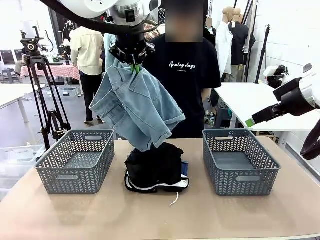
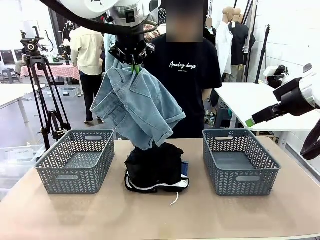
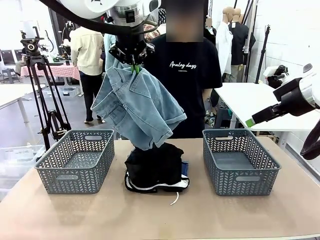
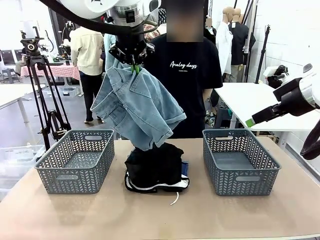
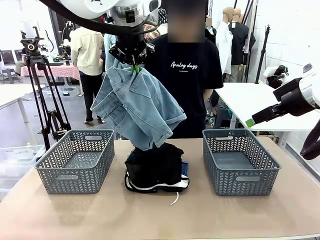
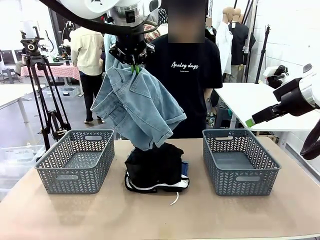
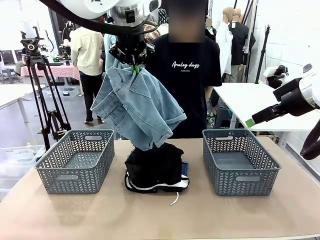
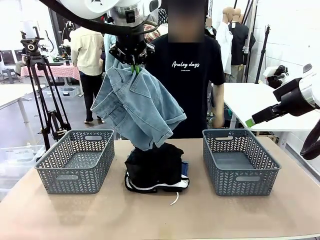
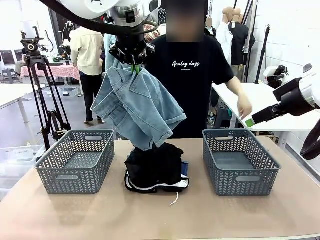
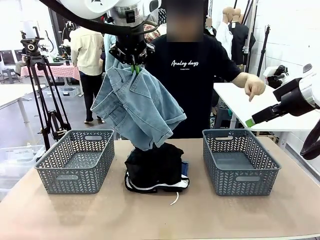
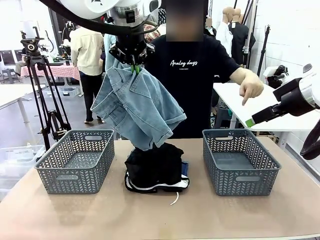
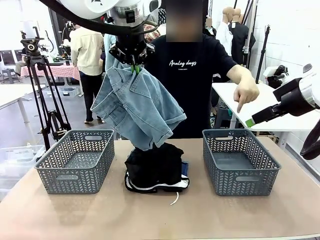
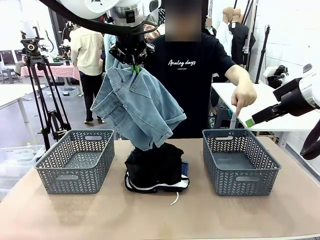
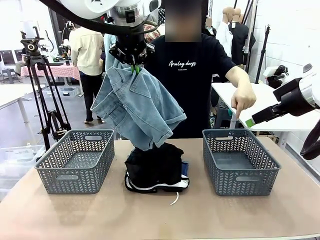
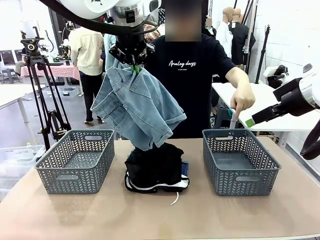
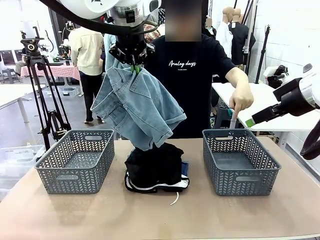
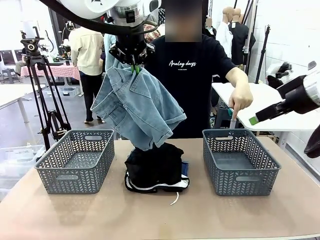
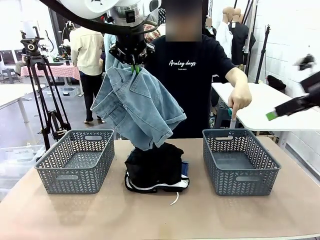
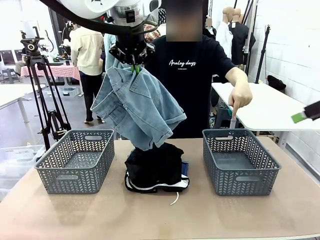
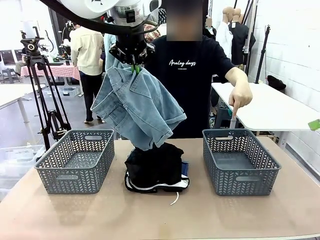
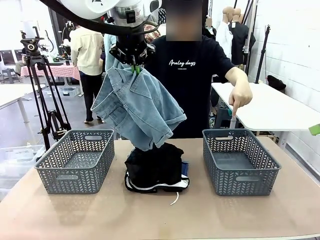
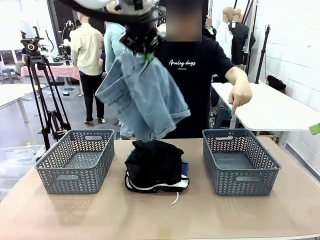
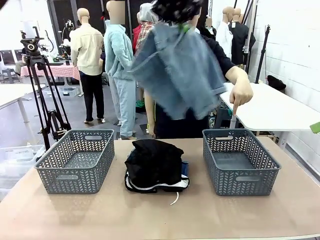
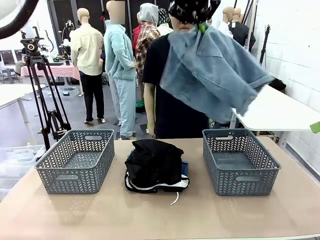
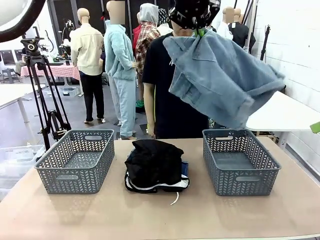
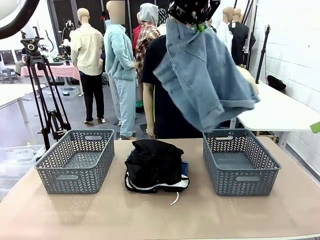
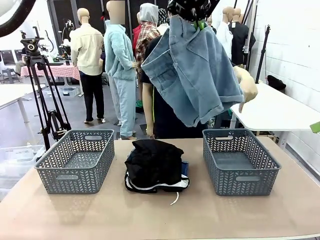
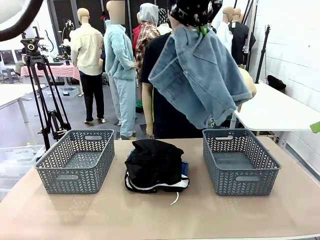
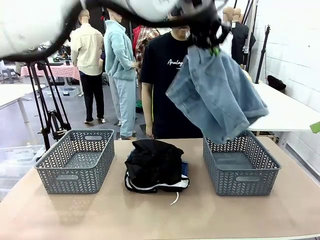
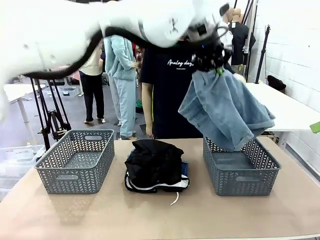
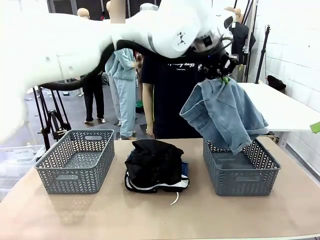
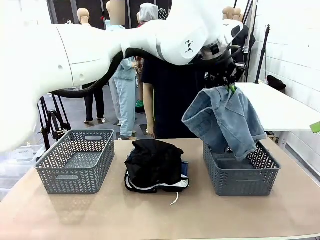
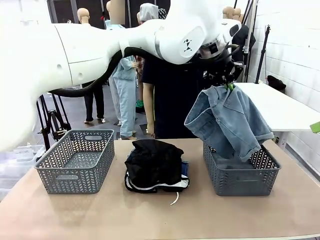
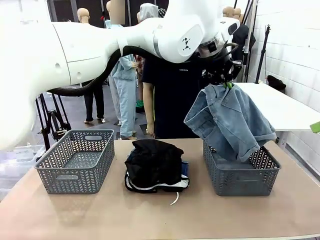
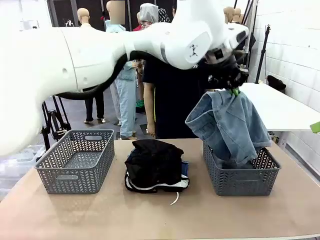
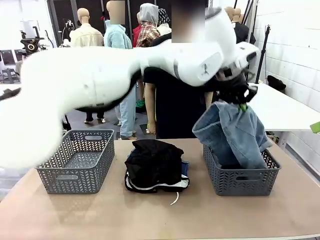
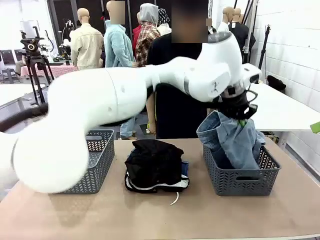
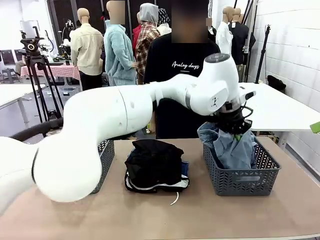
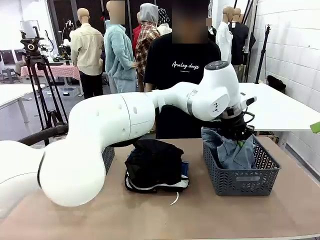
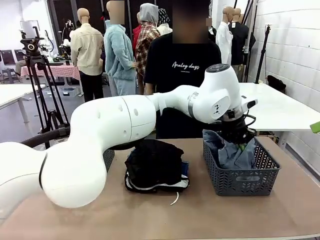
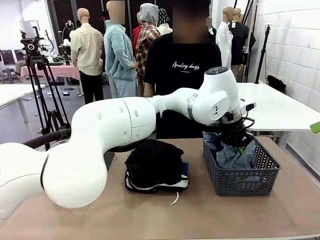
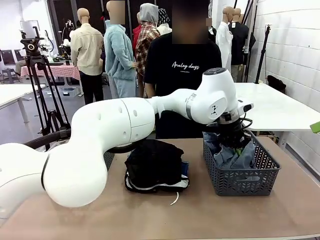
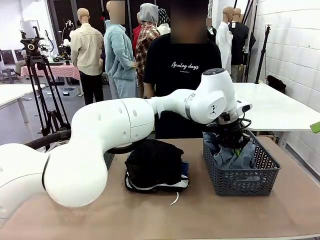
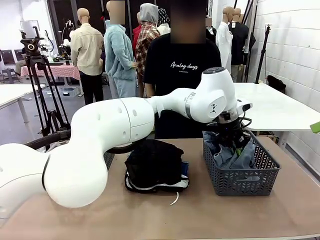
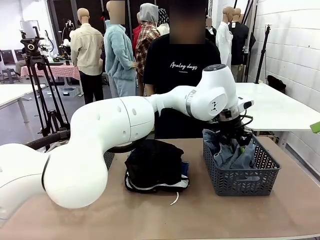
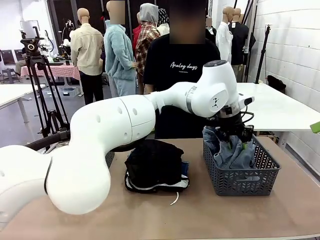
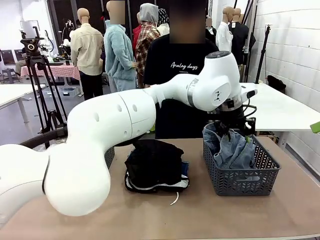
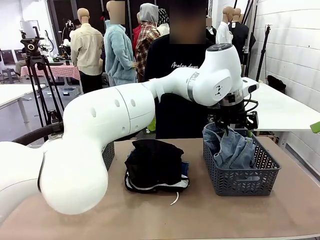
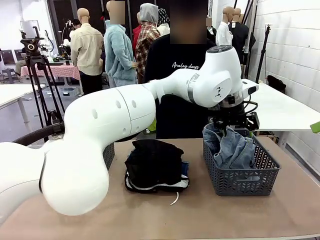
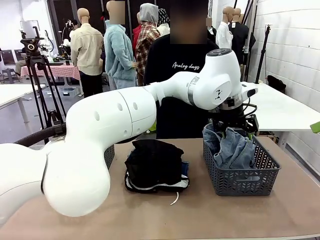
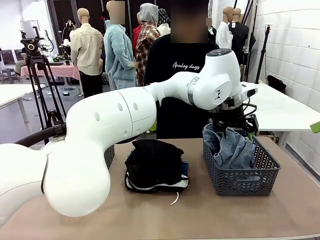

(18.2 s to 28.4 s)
Task: Sort the tops and bottoms.
Robot: Sort the clothes according to human instructions.

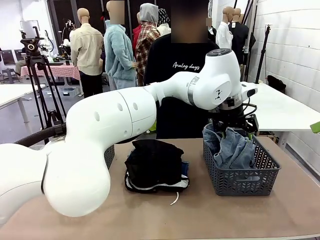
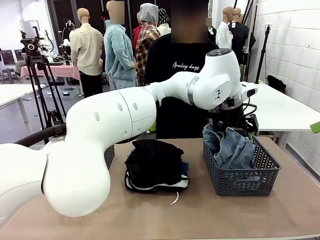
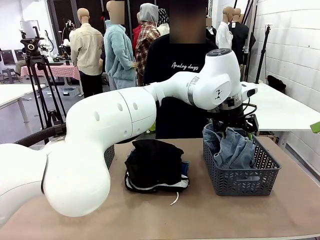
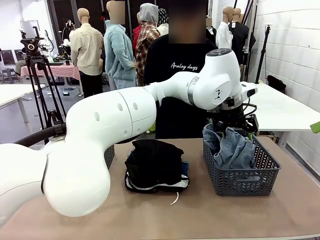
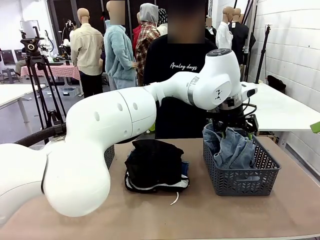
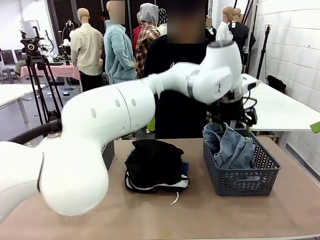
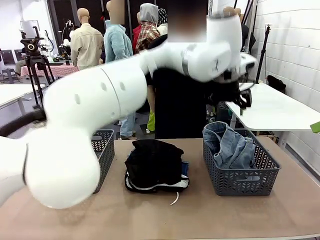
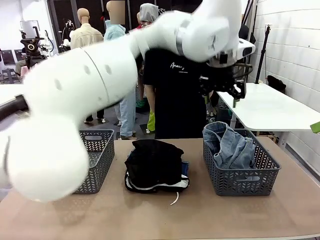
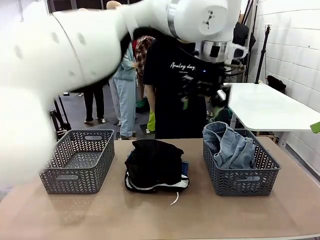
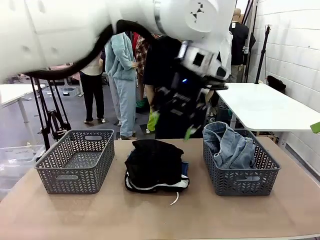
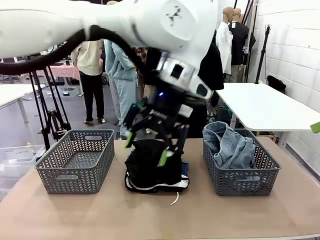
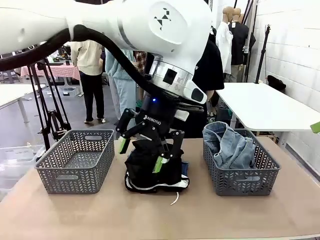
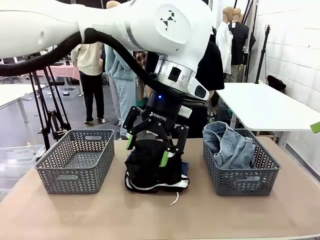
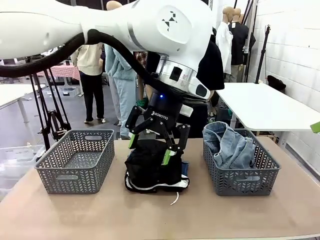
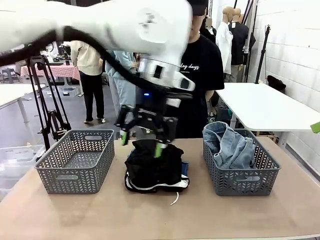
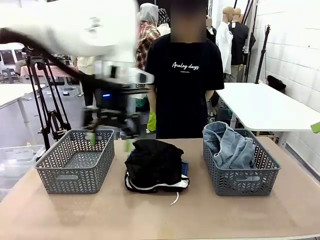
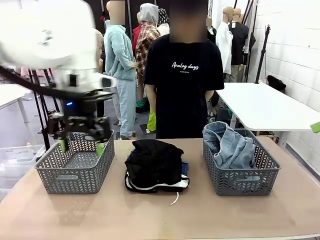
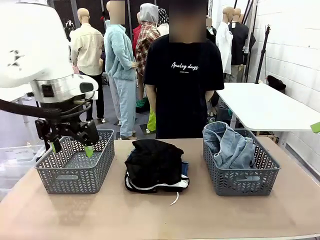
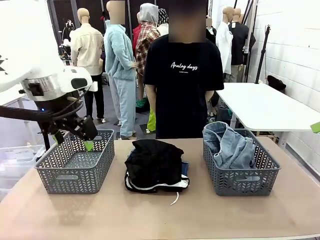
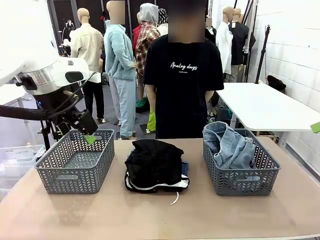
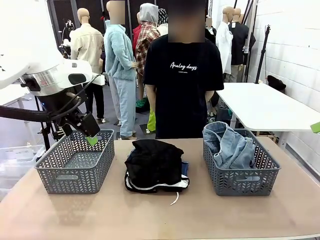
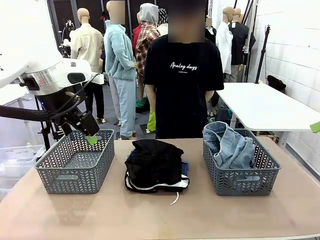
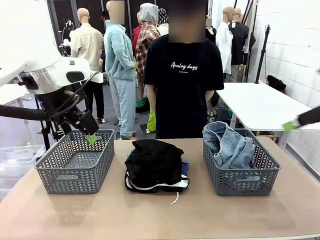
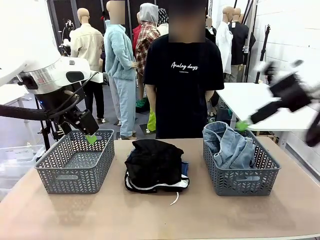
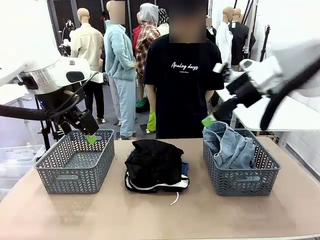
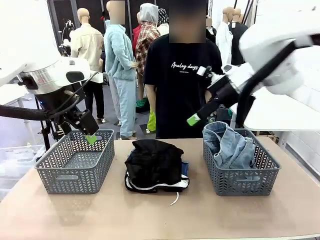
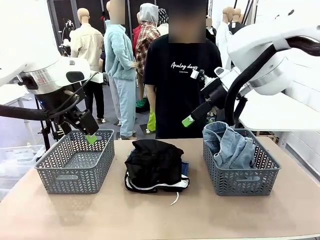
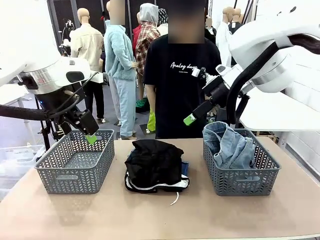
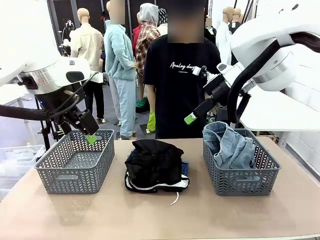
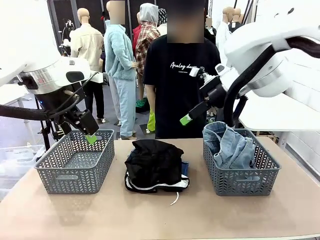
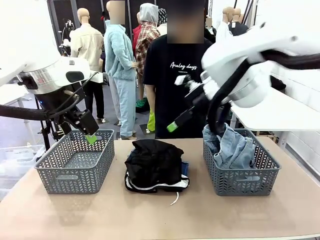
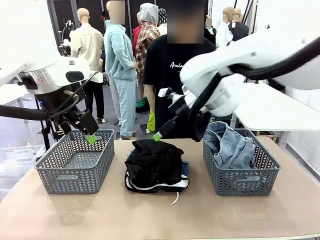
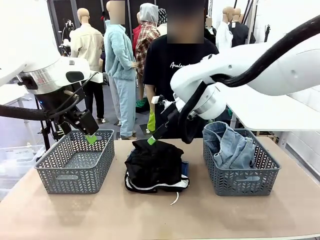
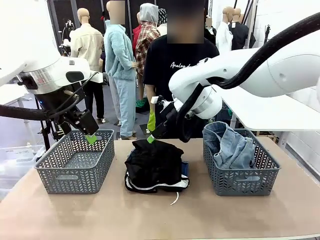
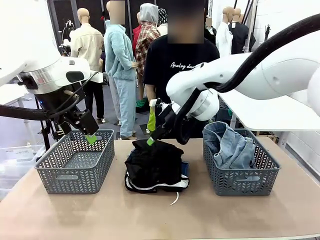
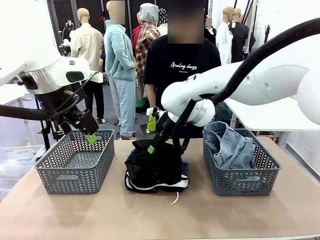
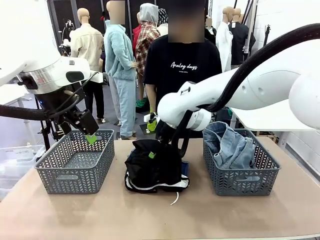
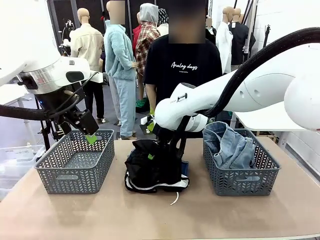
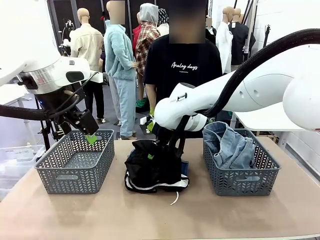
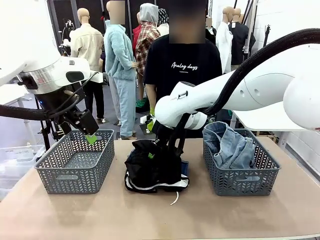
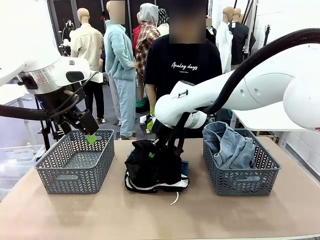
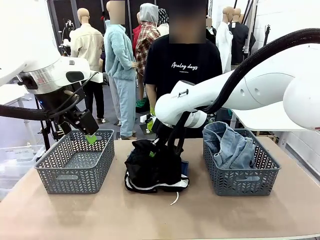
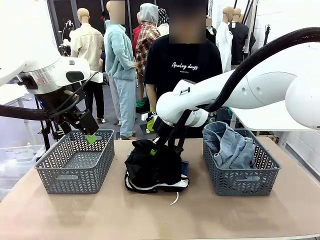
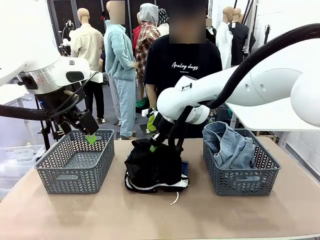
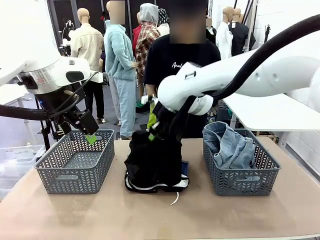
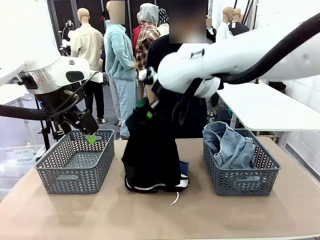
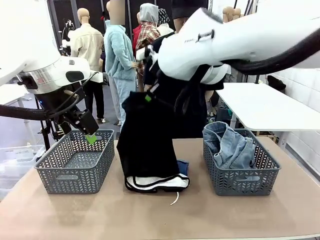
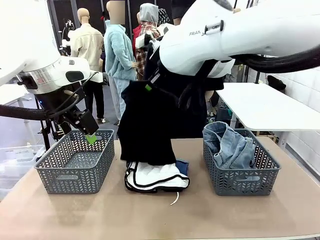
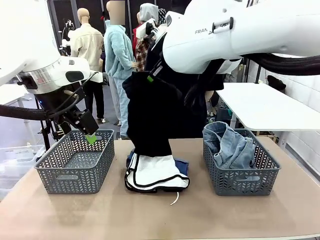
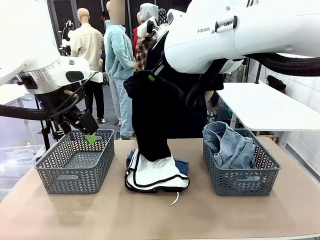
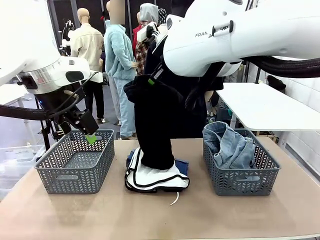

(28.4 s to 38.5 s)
Robot: Lift clothes from the center of the table with your right hand.
